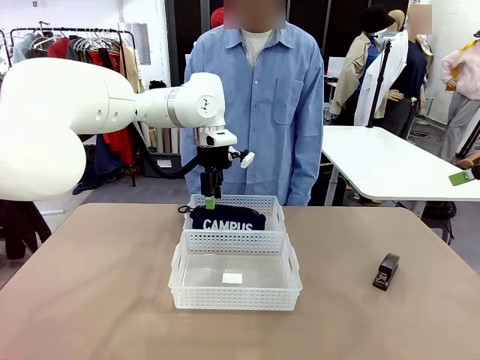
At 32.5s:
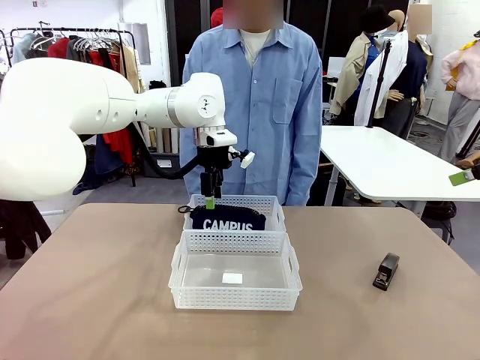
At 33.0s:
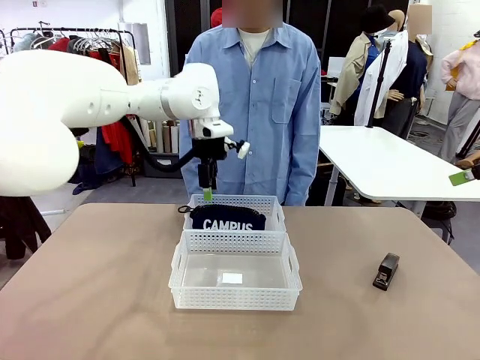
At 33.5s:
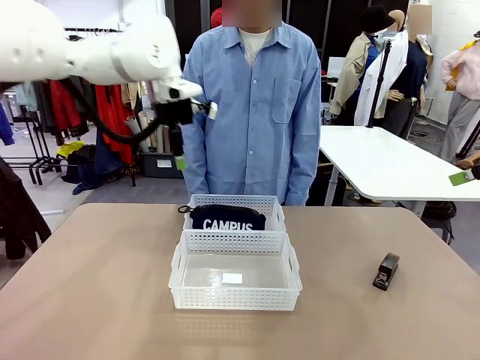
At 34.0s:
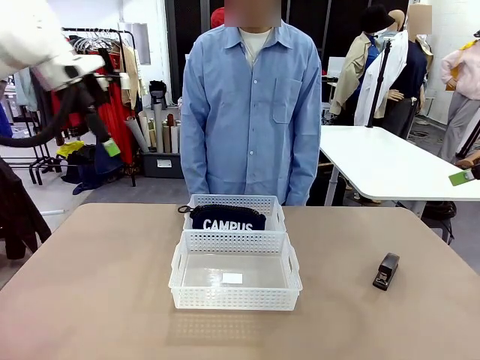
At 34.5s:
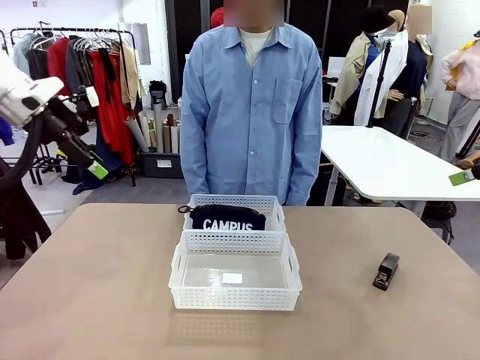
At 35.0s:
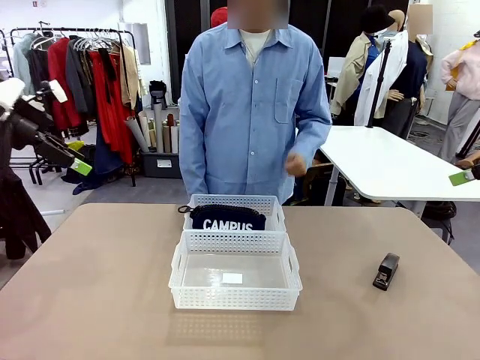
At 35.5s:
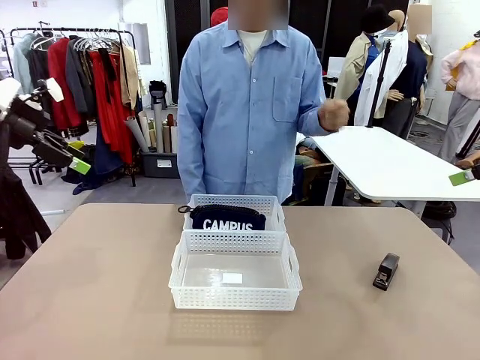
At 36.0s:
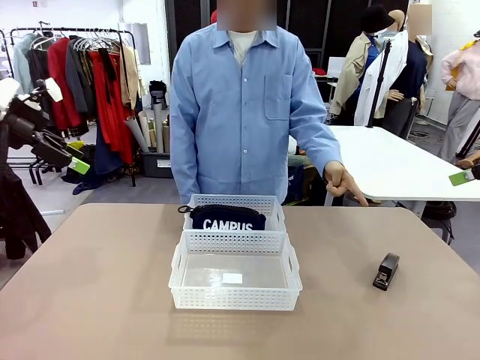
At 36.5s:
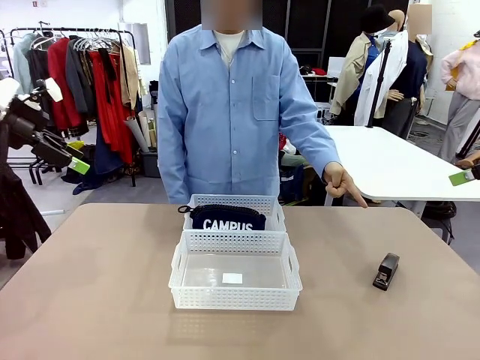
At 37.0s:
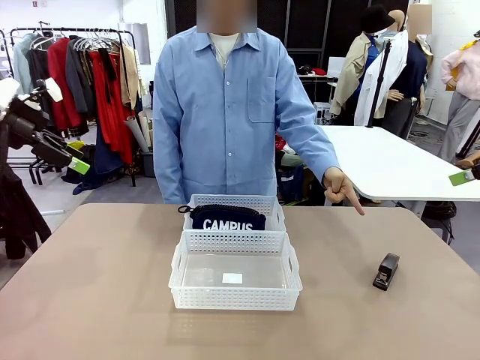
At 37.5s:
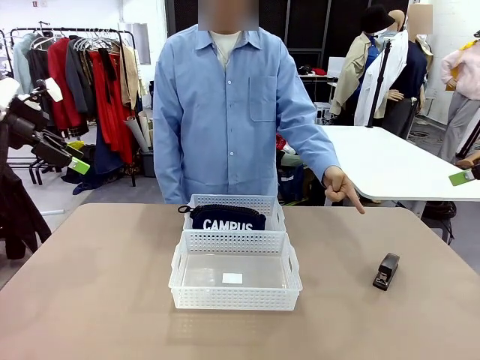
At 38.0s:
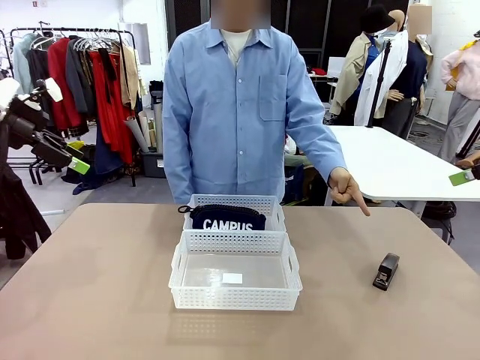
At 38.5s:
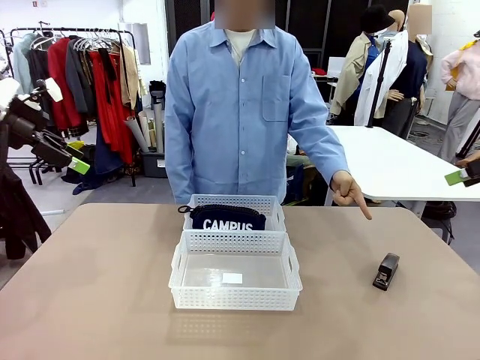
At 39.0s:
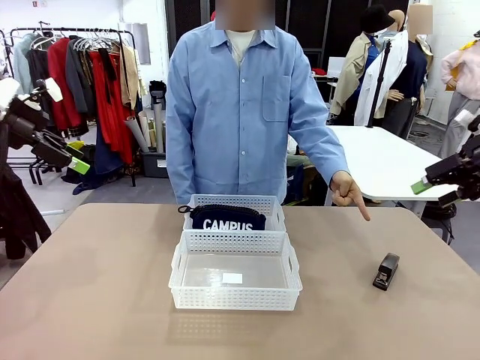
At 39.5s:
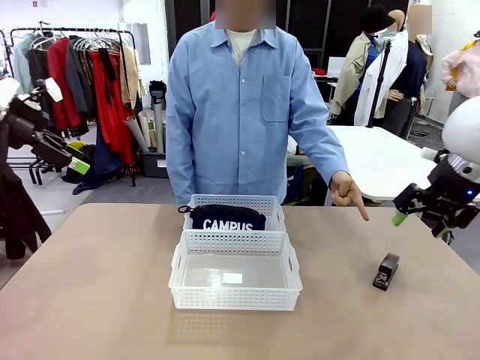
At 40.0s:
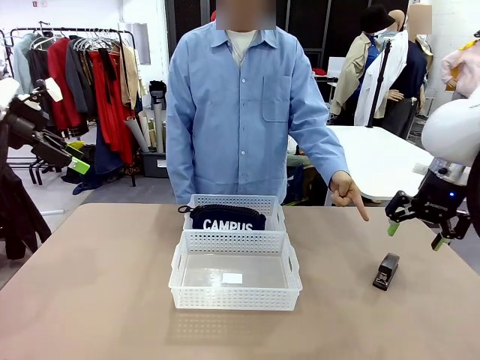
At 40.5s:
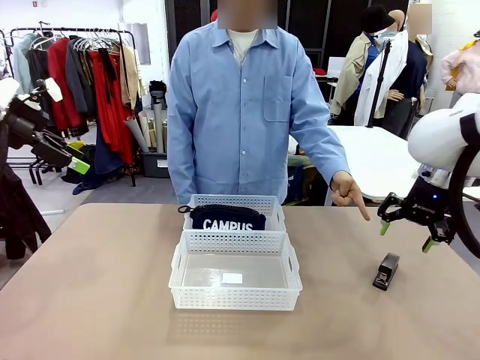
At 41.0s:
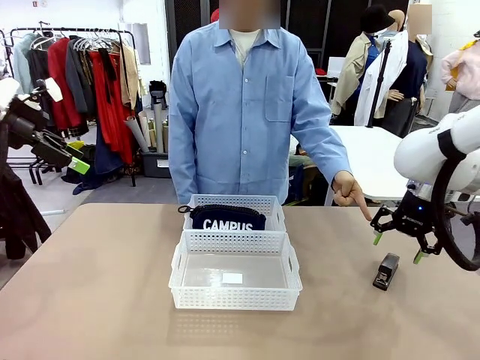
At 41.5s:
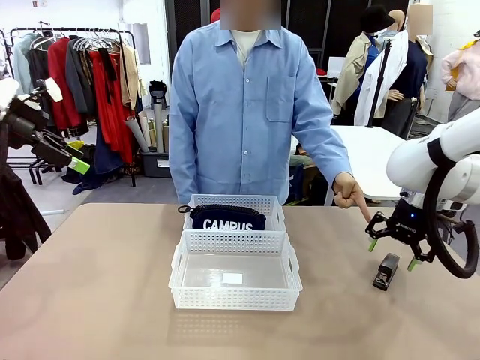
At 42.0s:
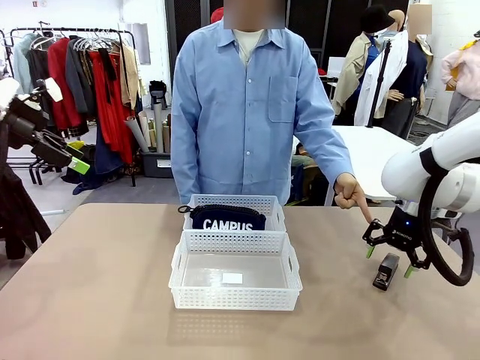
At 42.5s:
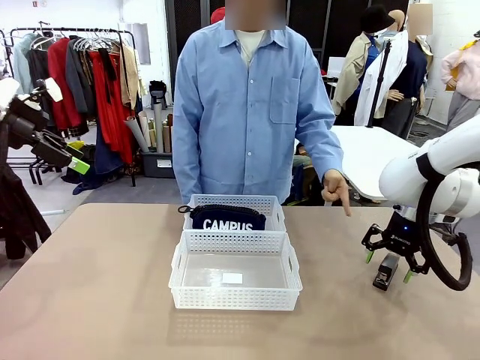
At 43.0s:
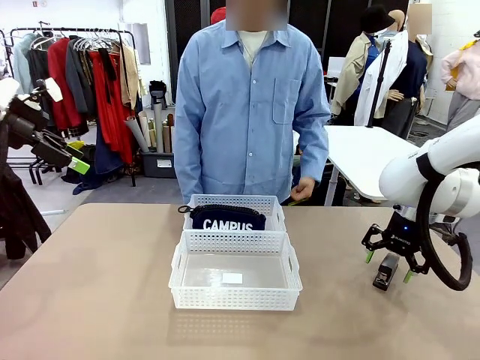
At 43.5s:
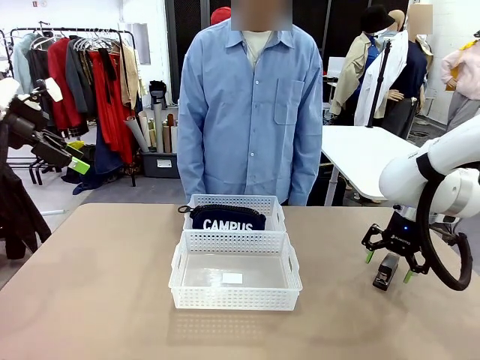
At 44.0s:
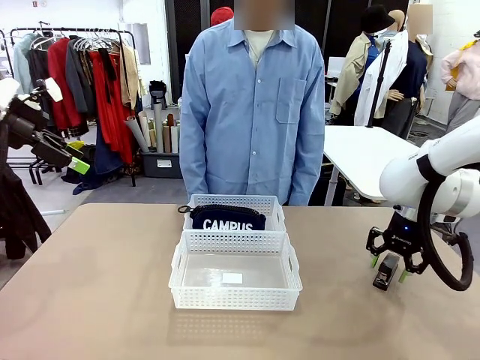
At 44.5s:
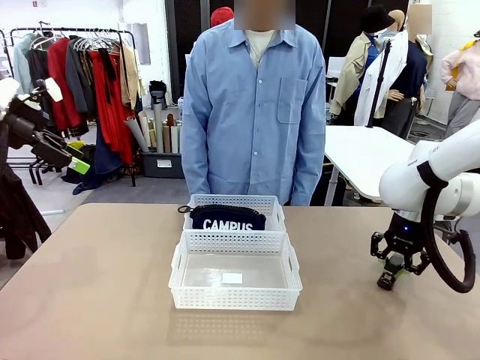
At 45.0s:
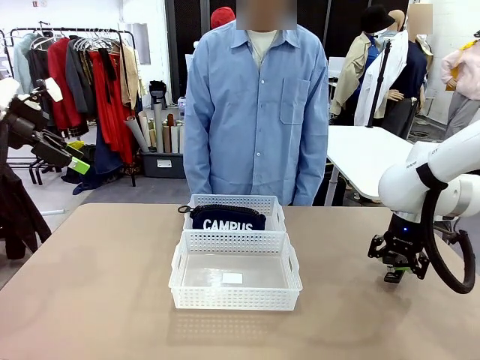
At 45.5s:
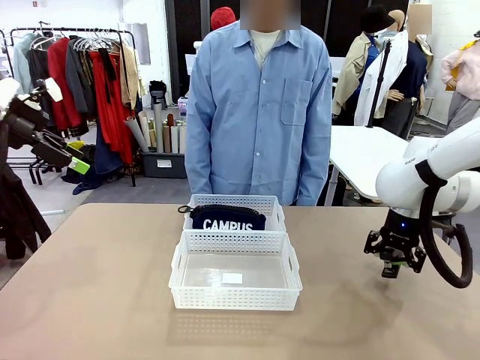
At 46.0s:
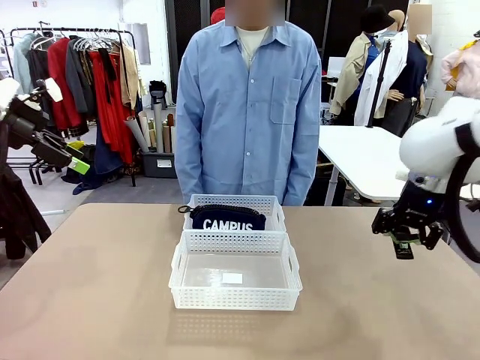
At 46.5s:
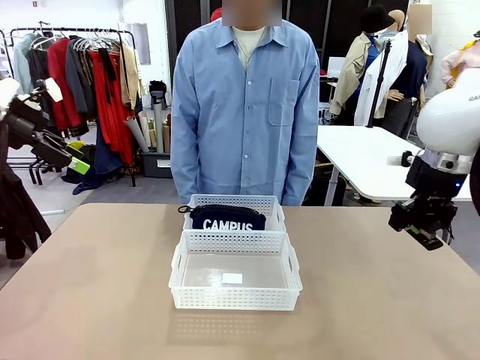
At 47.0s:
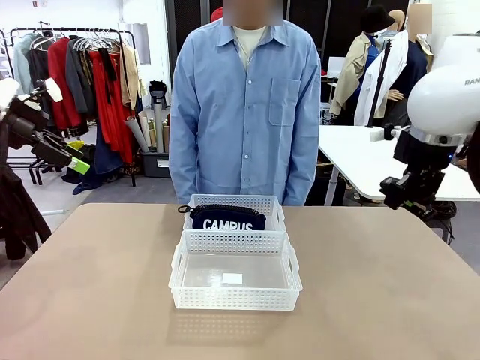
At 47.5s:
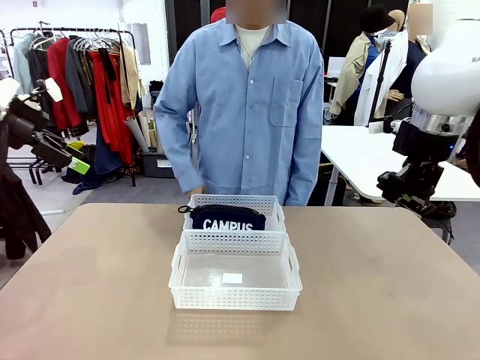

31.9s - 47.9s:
Task: Distribute items into two baskets.
Robot: Pick up the Stapler that the person points to.

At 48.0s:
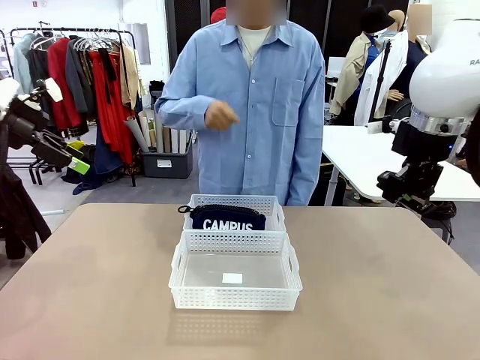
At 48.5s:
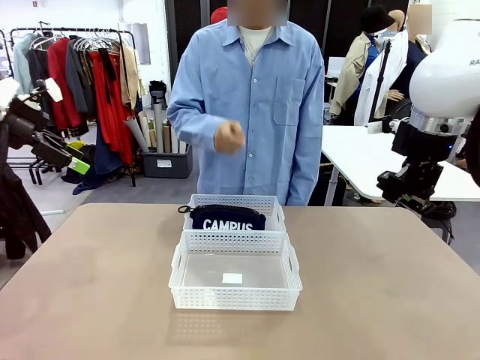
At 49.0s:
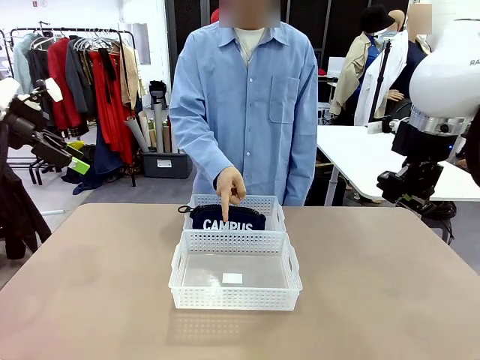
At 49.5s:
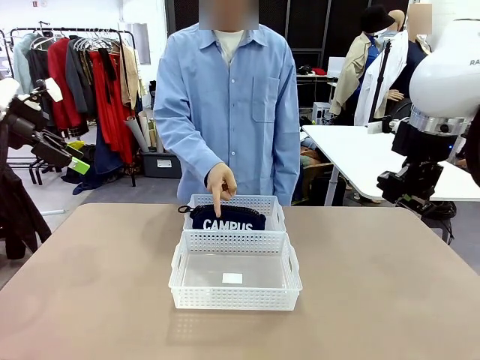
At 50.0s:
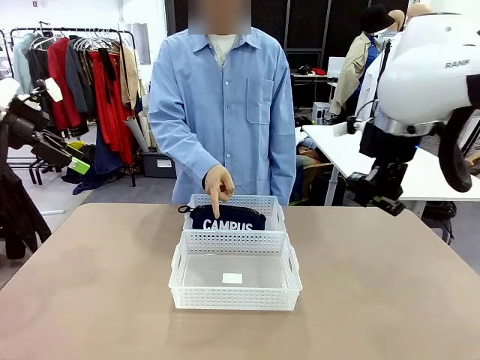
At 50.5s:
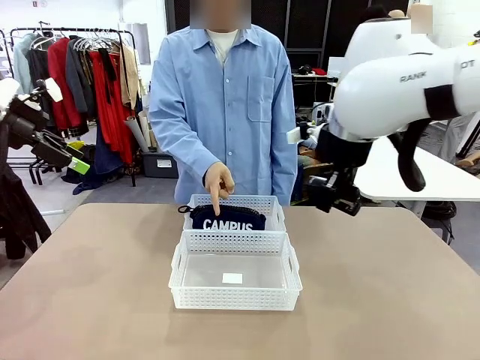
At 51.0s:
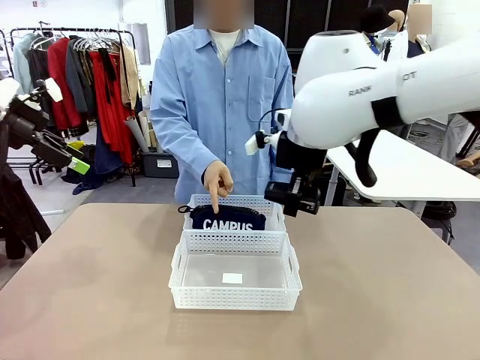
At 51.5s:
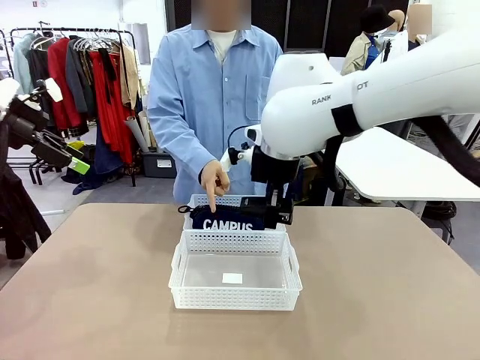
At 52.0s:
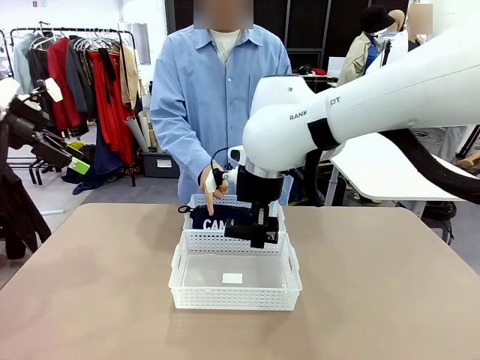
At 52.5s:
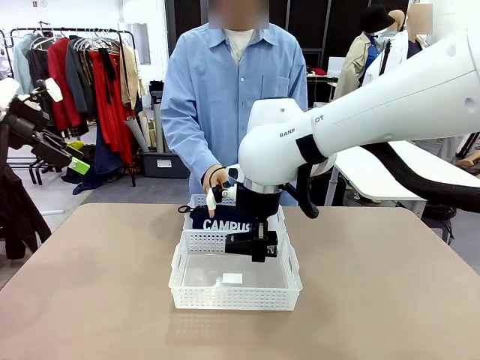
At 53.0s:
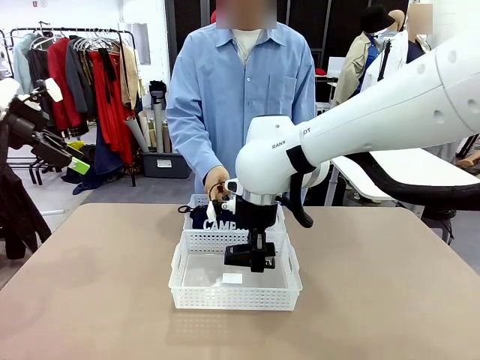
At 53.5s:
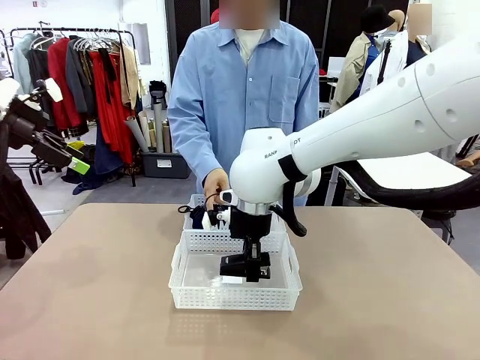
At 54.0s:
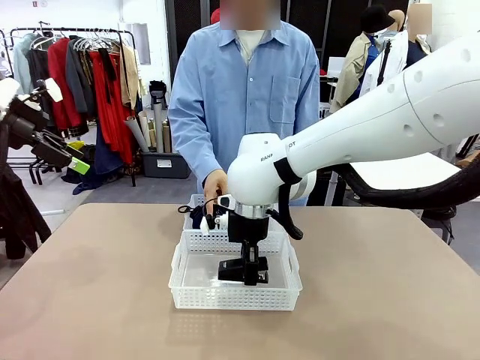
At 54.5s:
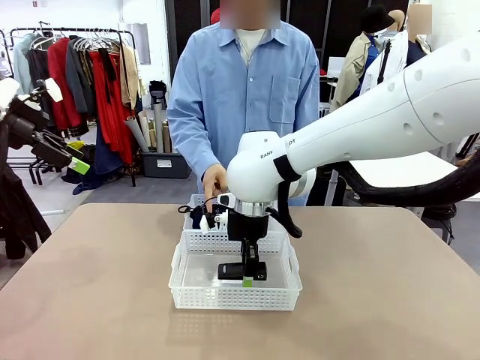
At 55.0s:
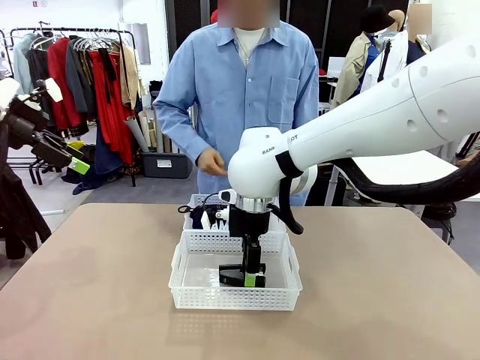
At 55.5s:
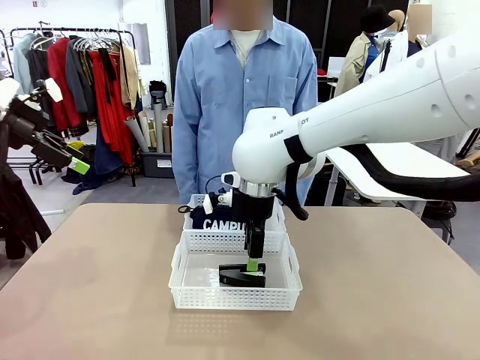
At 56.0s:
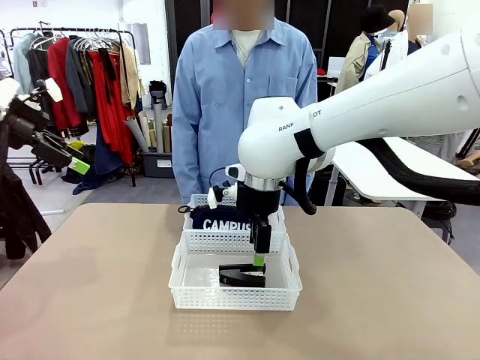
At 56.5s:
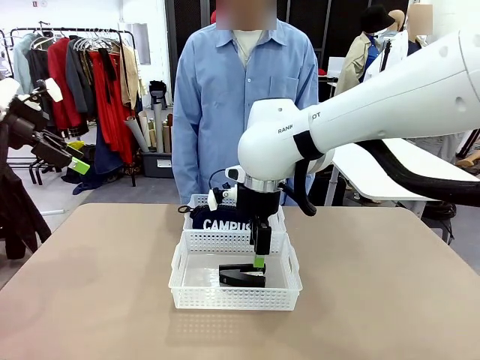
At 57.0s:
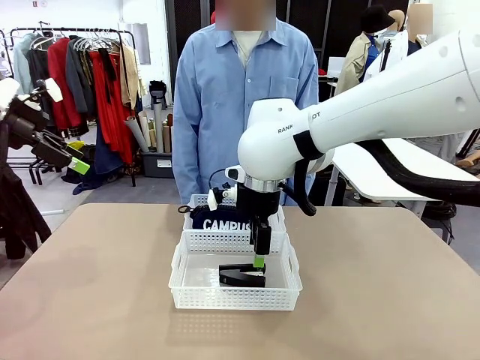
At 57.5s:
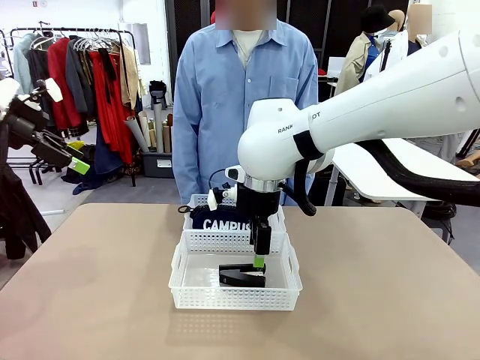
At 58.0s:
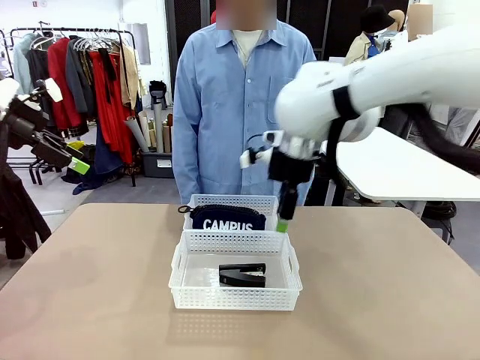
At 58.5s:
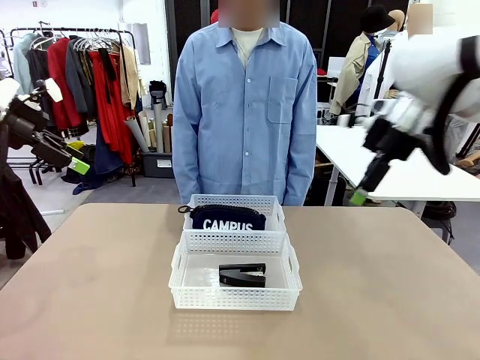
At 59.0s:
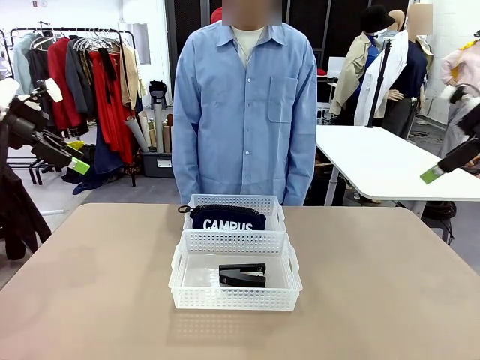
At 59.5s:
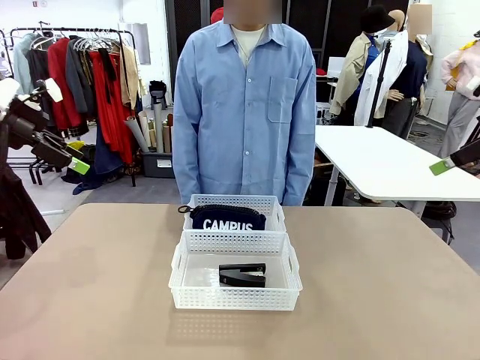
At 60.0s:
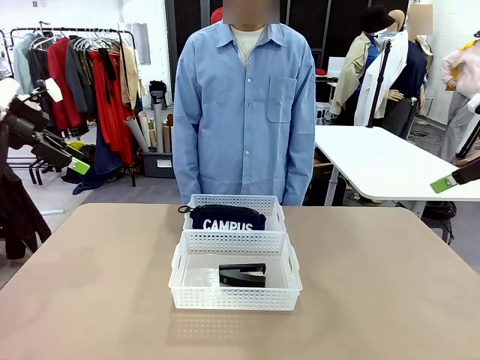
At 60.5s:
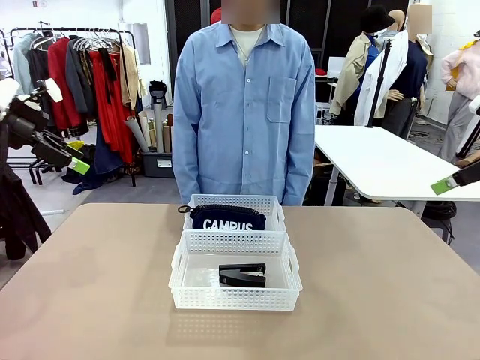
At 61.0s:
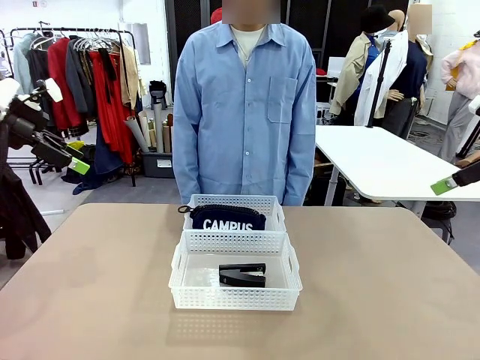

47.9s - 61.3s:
Robot: Place the picked Stapler into the Organizing basket as instructed by the person.
Person: Points to the basket that does not contain the pencil case and instructs the robot to move the stapler there.
